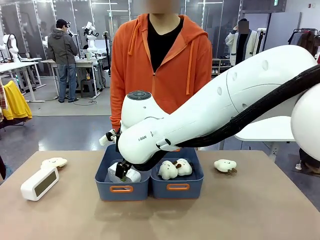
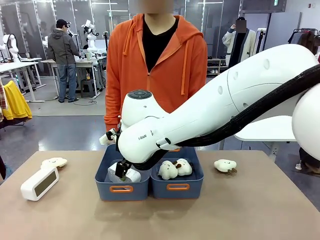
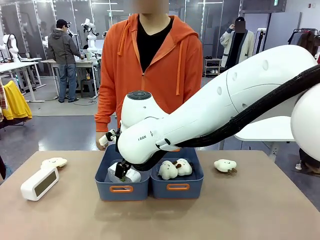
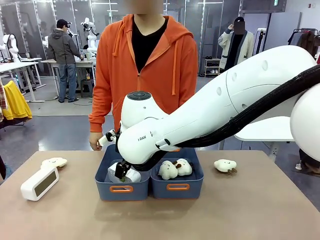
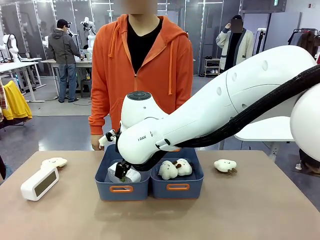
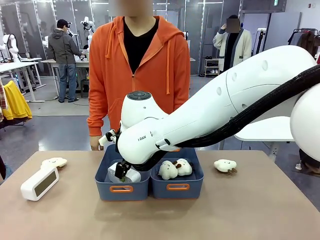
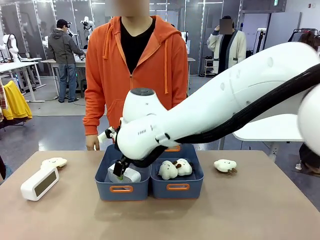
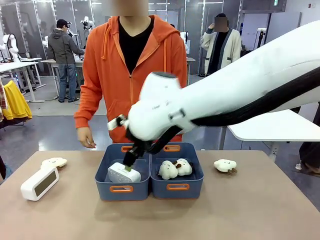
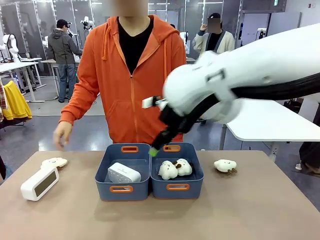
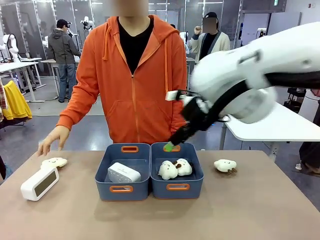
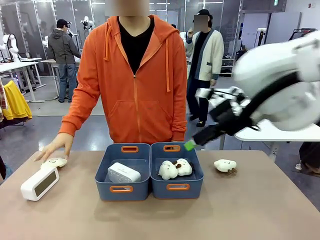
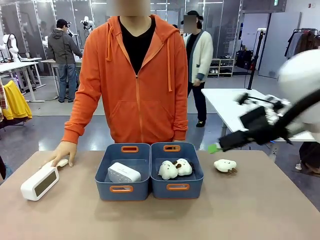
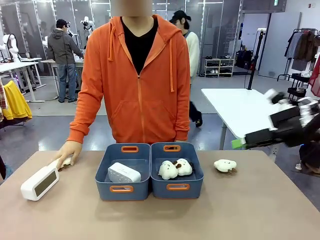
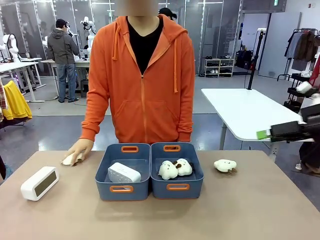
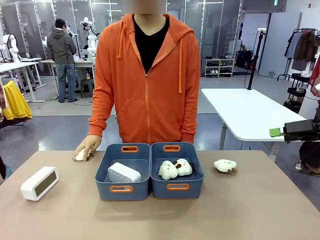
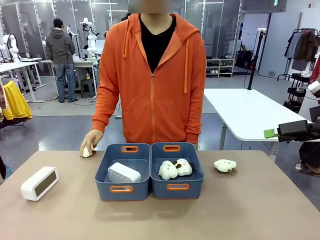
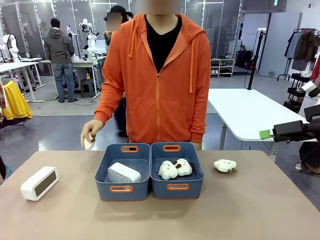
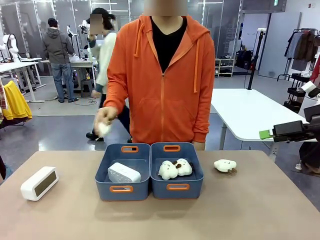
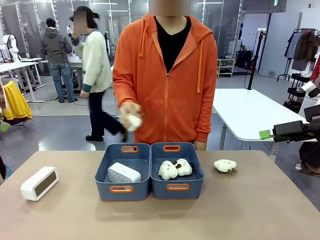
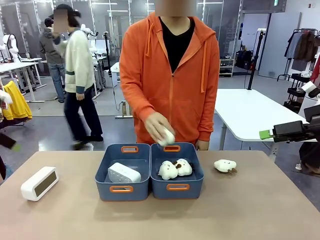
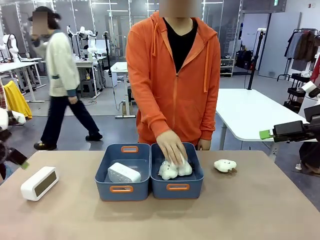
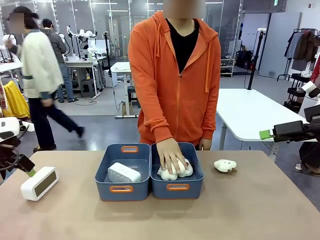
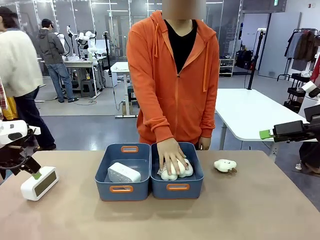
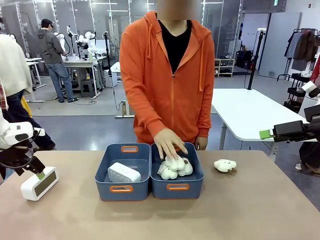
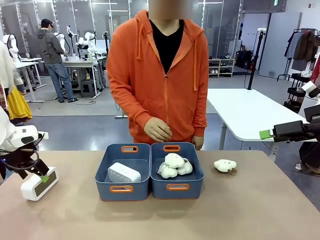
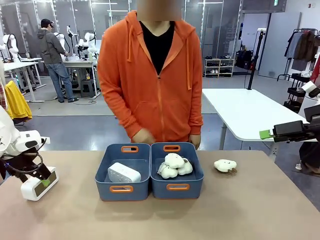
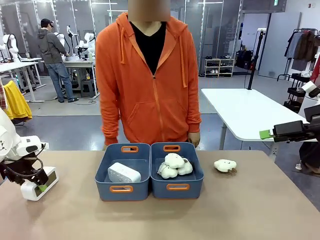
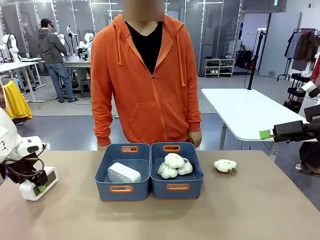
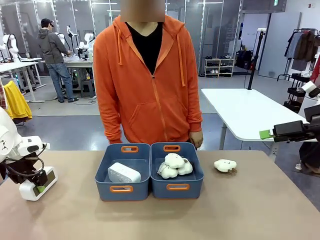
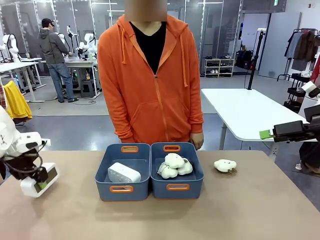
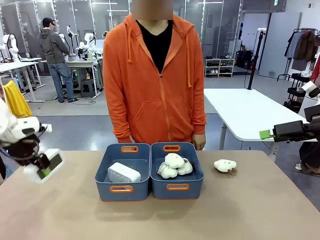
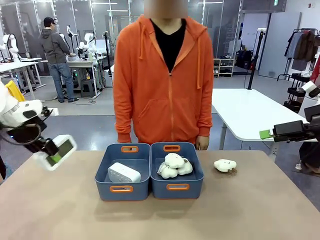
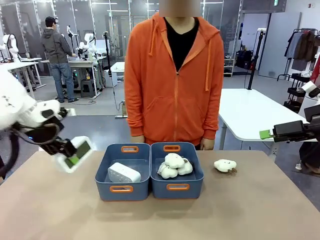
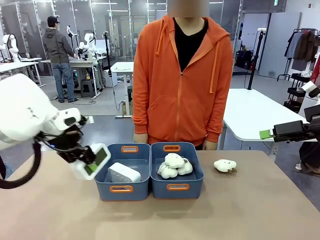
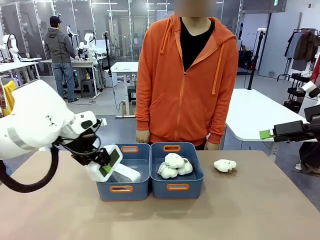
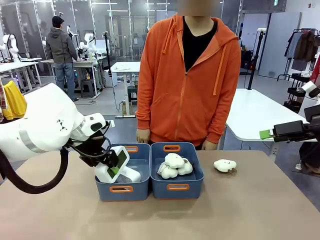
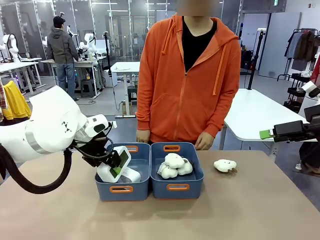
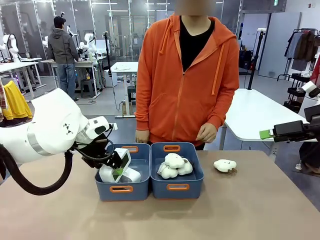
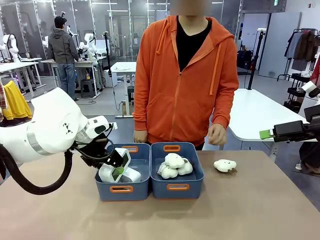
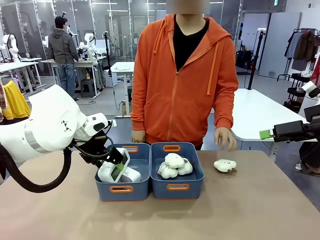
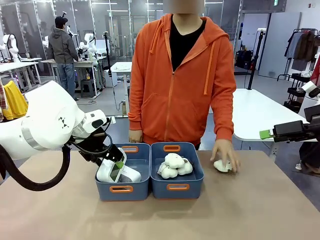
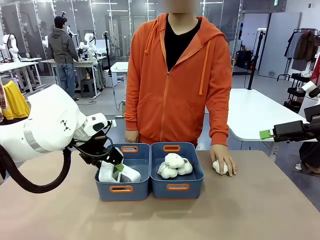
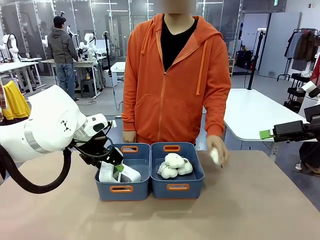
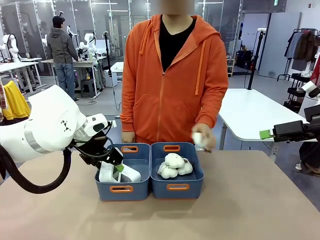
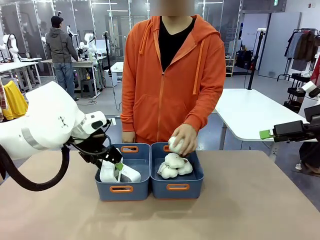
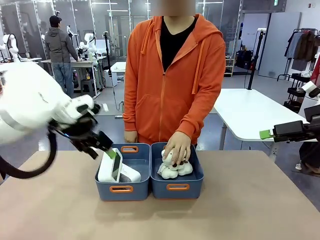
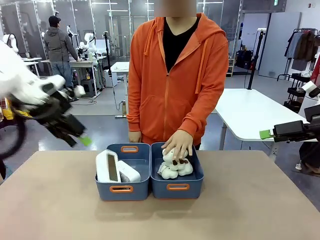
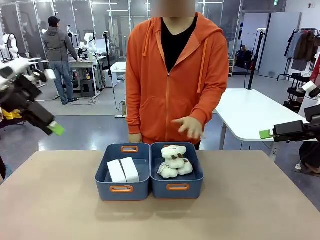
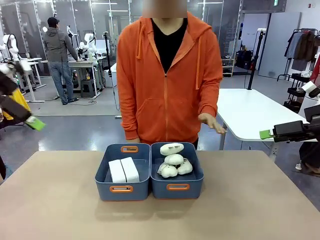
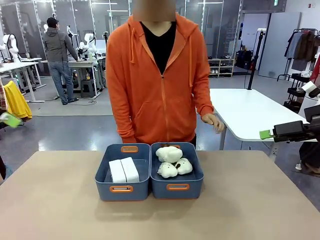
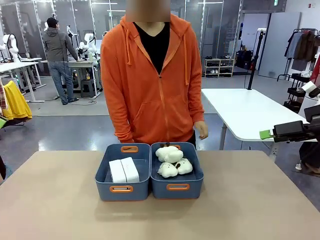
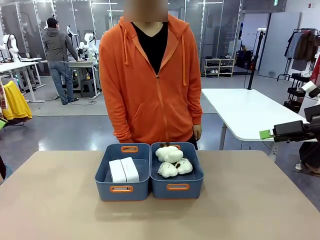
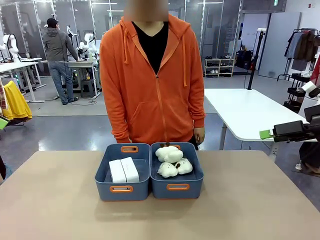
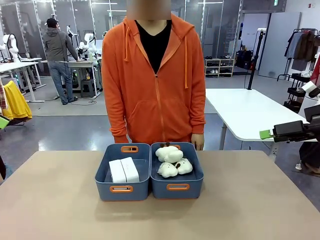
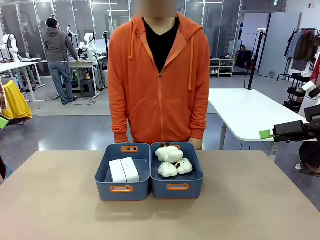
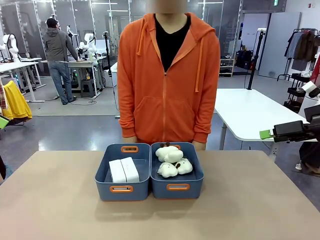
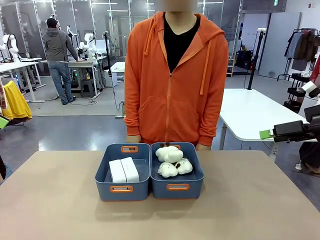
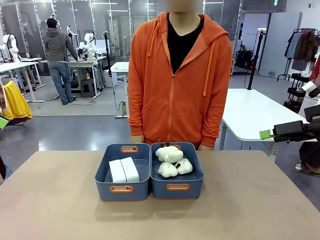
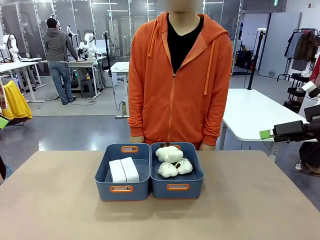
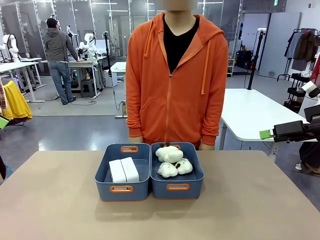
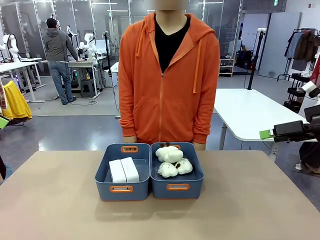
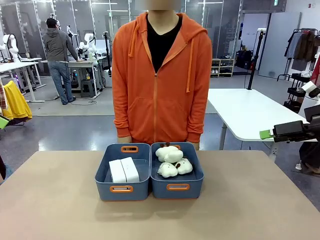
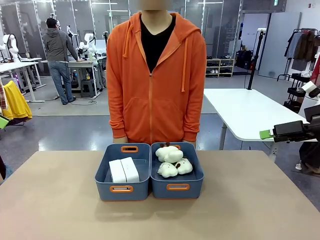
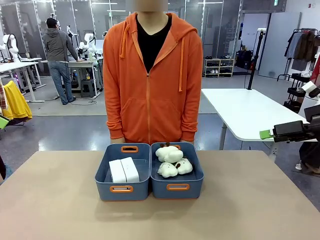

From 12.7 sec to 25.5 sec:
Task: Sort the digital clocks into the basket.
Robot: Pick up the Digital clock from the table and place it into the empty Plastic storage basket.
Person: Pick up a plush toy from the table and place it in the plastic storage basket containing the plush toy.

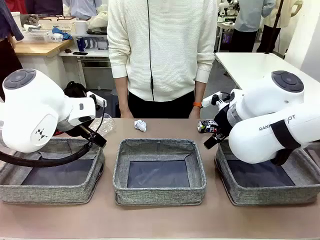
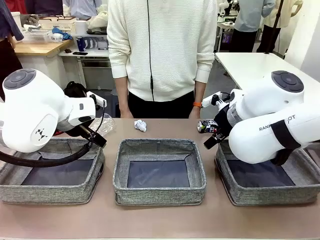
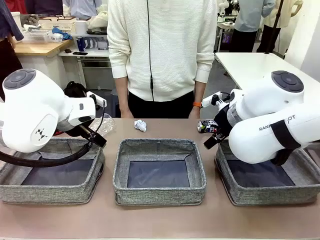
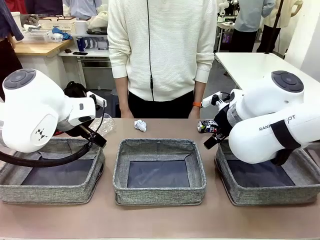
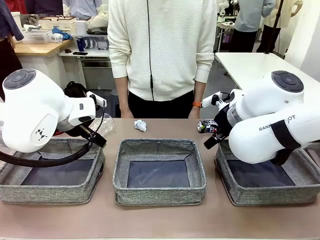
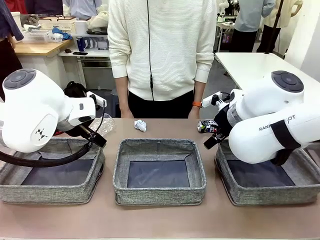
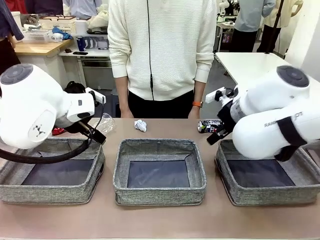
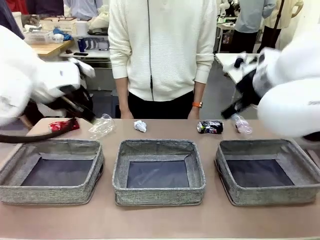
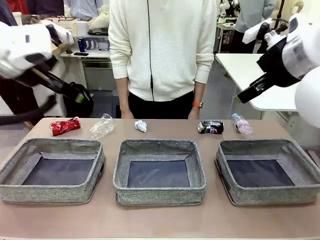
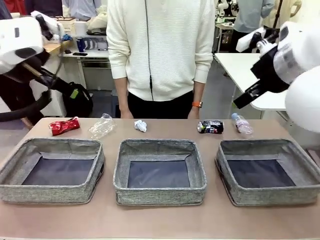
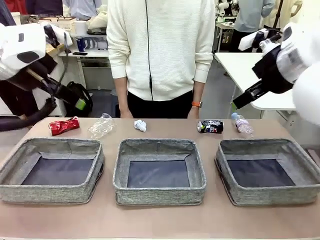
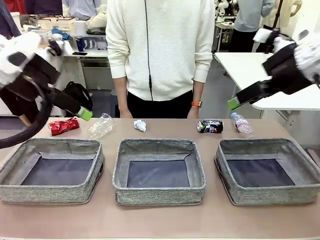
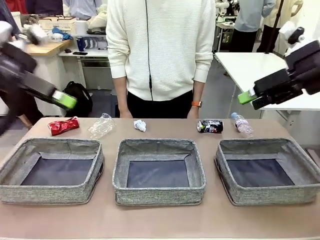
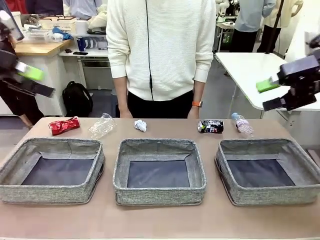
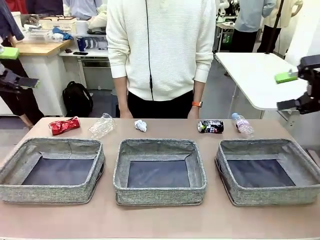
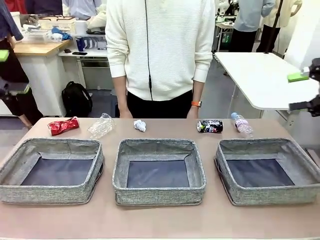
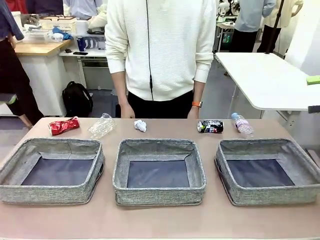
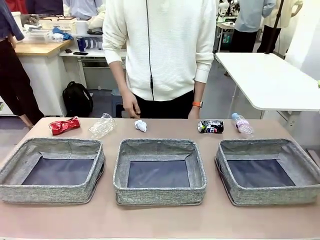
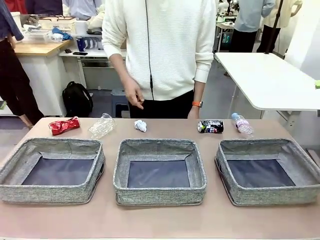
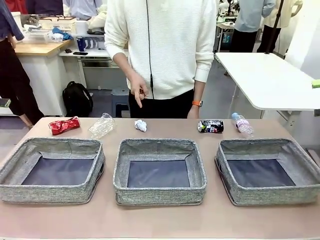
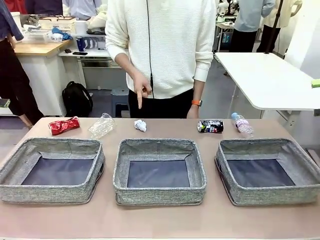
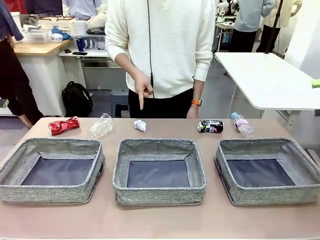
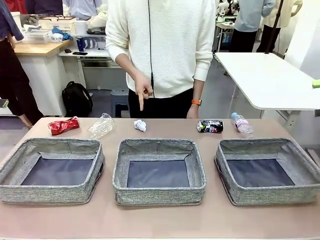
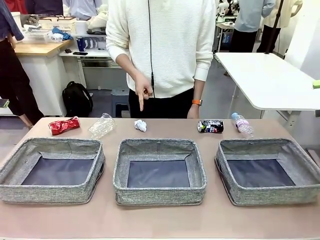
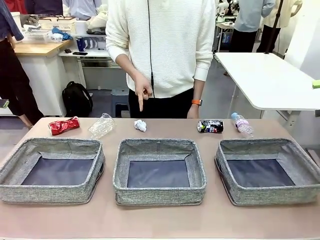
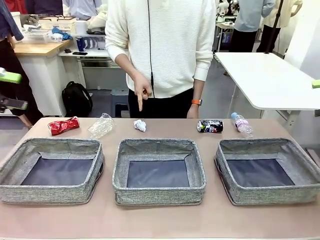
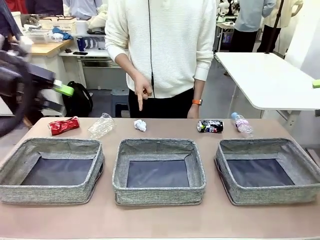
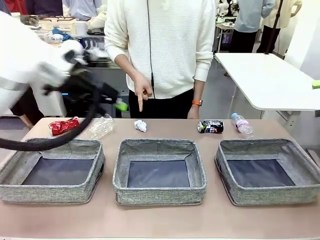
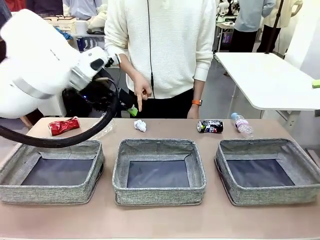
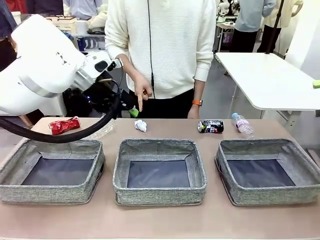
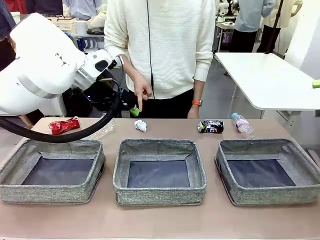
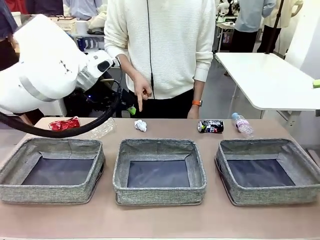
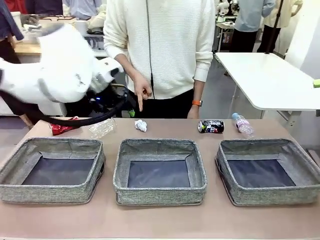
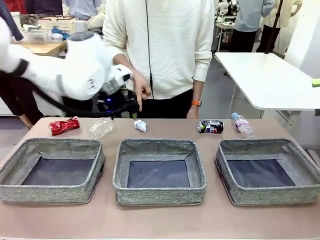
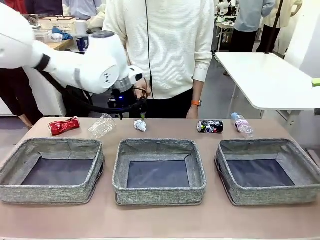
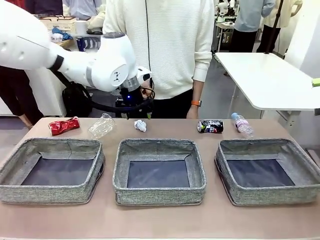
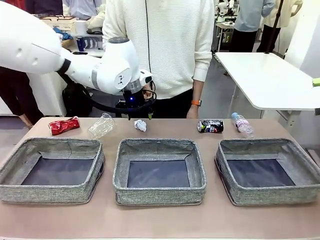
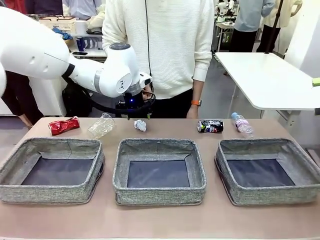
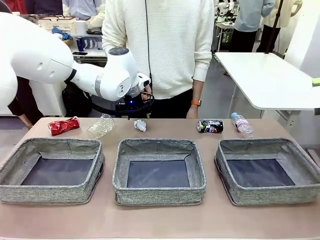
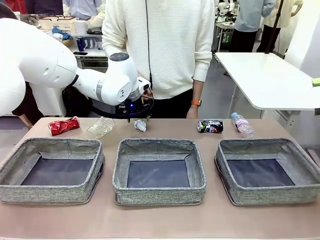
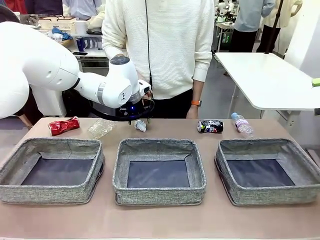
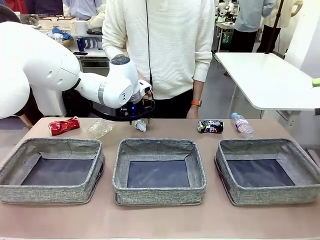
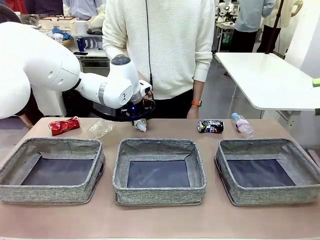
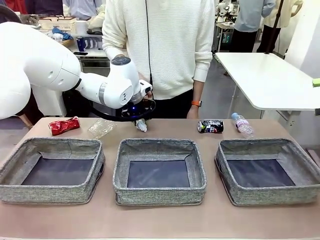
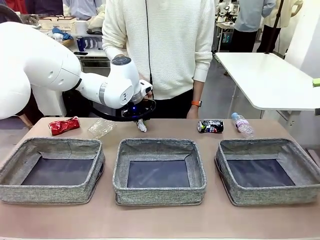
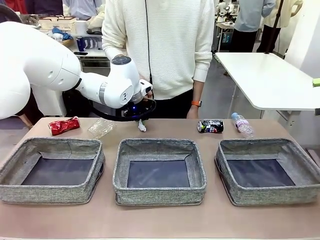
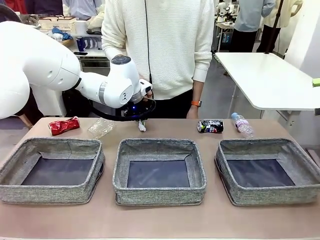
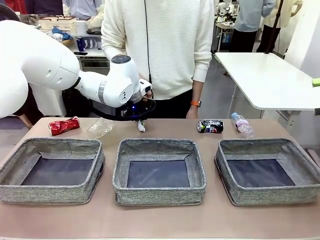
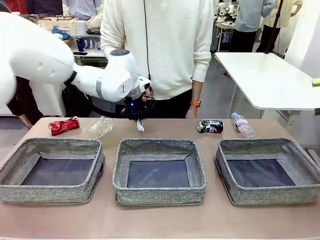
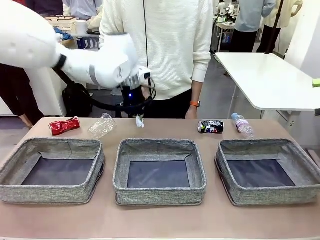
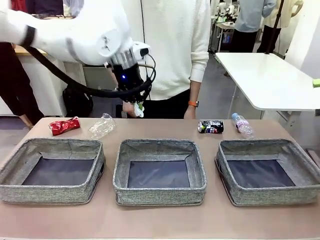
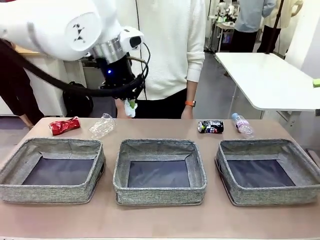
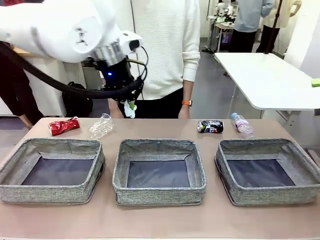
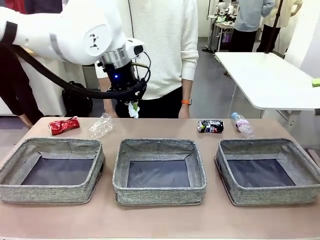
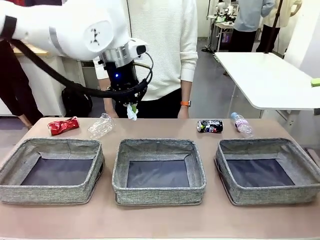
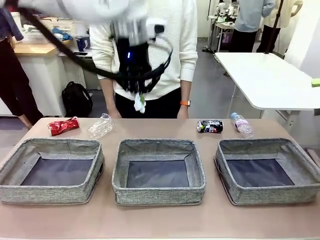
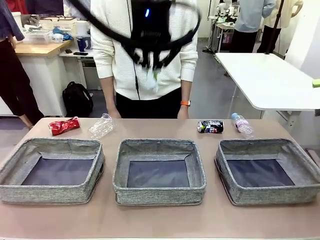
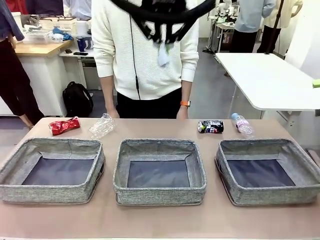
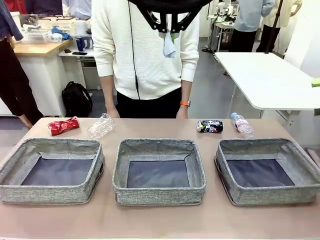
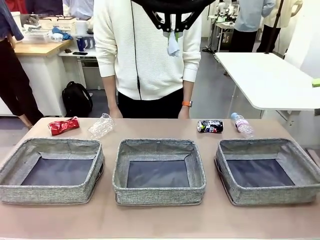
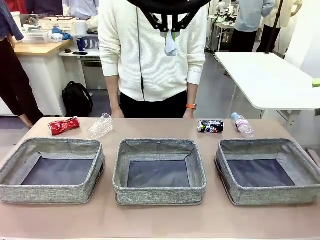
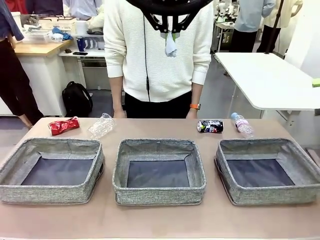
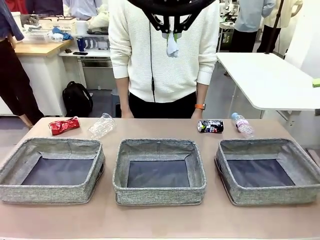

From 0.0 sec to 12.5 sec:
Task: Sort the waste into the appropriate baskets.
Robot: Pick up the waste item pointed out by the person.
Person: Points to one piece of trash on the table.
